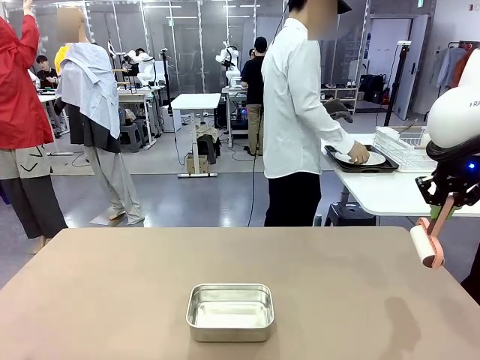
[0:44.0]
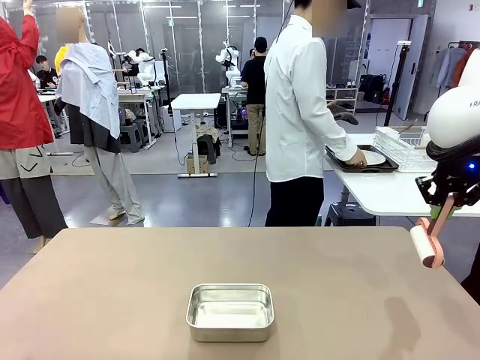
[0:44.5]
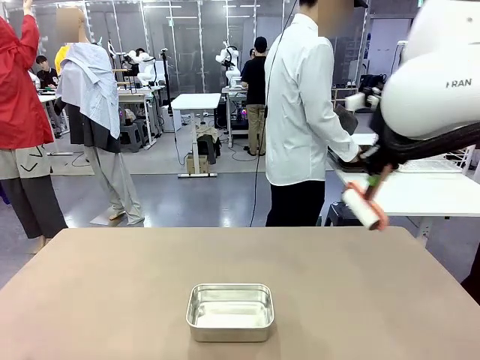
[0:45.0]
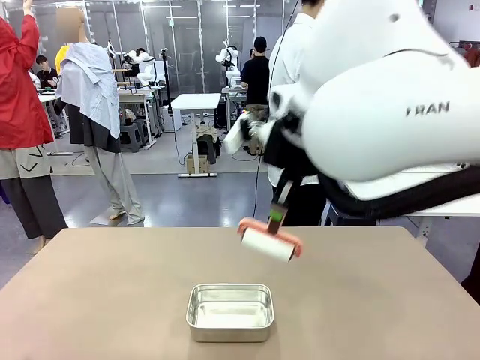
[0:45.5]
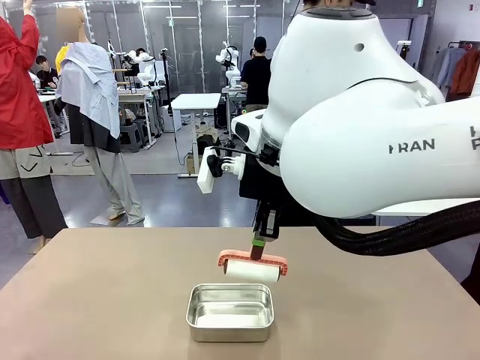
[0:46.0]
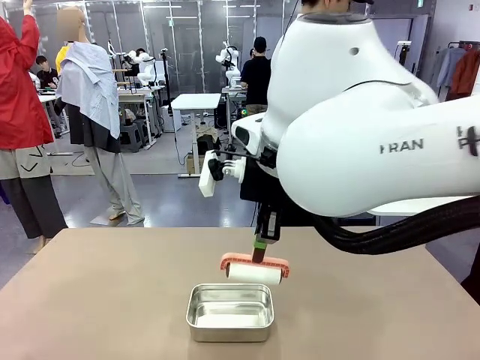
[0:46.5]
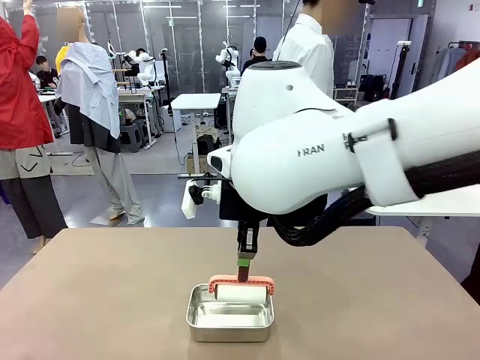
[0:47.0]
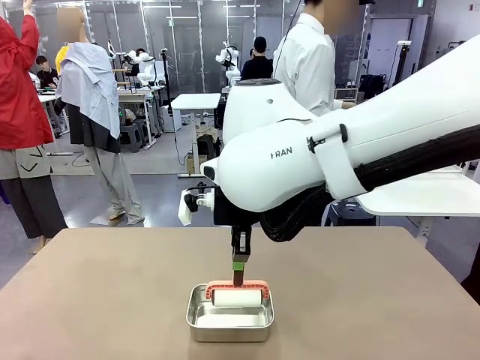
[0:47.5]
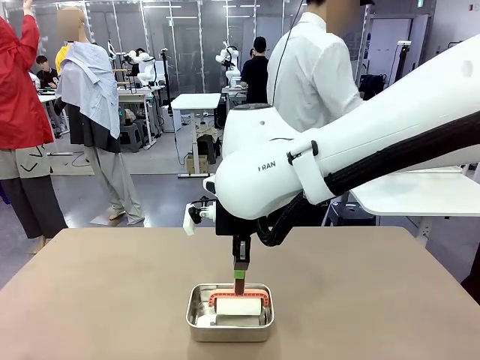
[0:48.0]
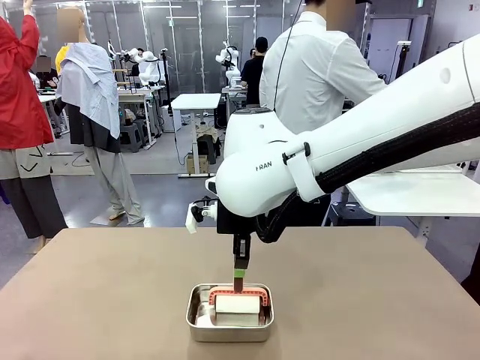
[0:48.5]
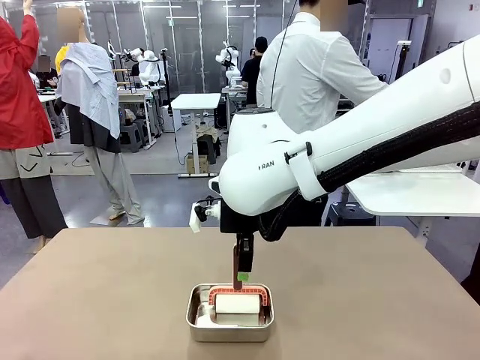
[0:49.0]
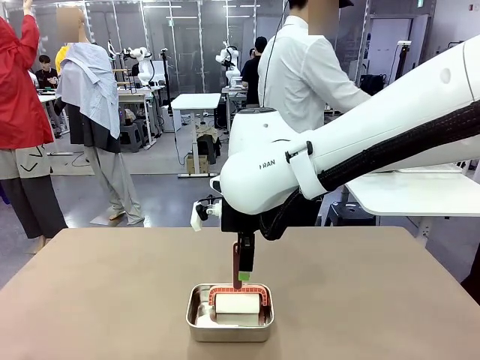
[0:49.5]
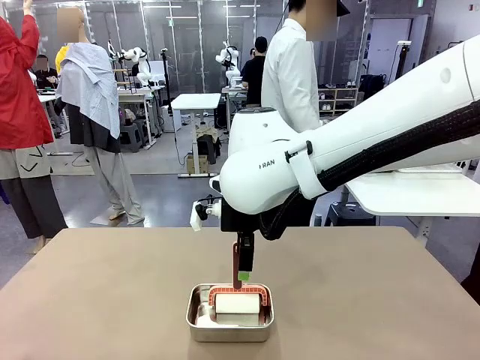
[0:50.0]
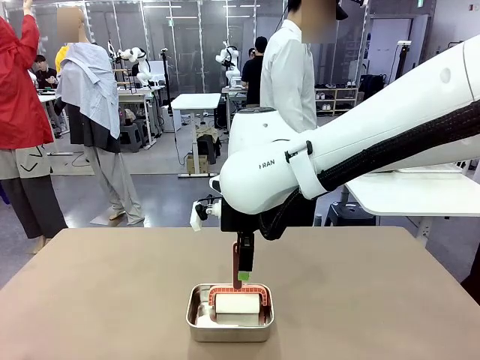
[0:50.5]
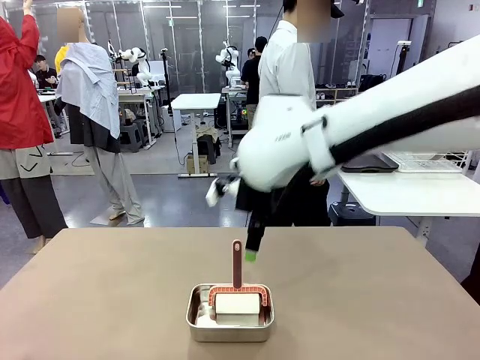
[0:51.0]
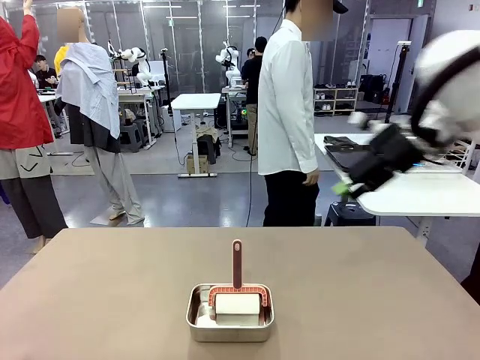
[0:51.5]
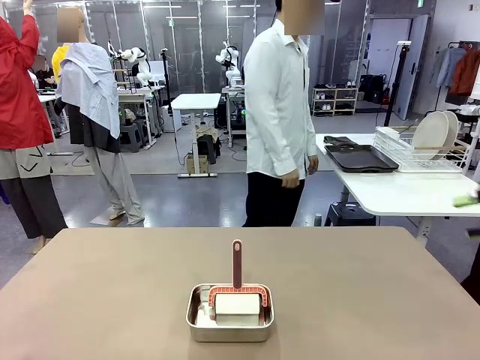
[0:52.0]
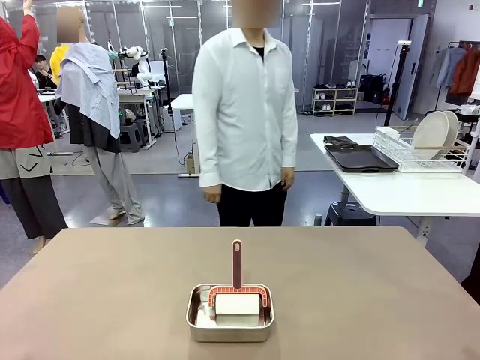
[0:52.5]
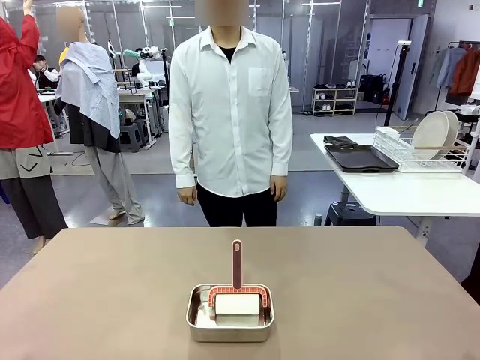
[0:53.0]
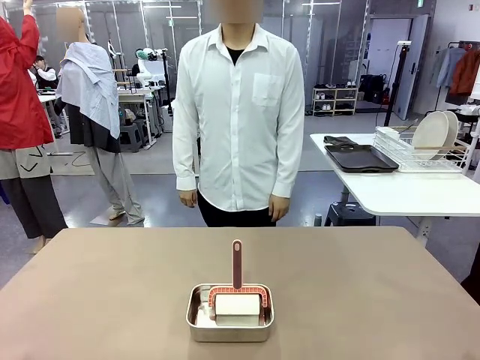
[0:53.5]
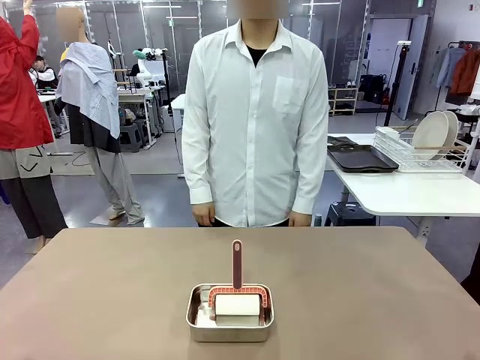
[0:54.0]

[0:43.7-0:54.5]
Robot: Place the Lint Roller back on top of the Airtight Container.
Person: Use the Towel with hook to wipe the Plastic Matte Plate , Fork , and Knife and place into the Dish drying rack.

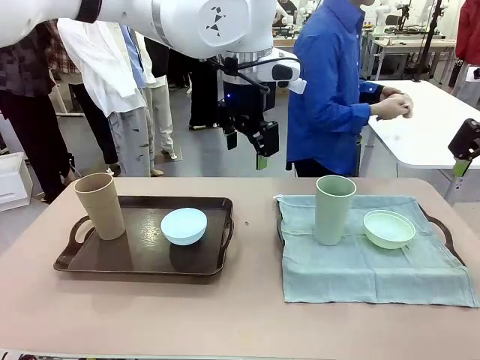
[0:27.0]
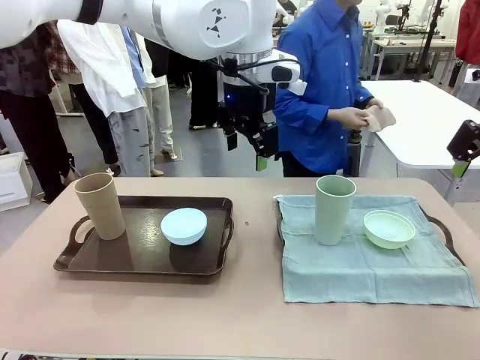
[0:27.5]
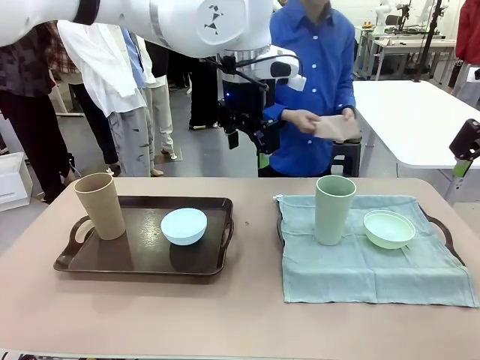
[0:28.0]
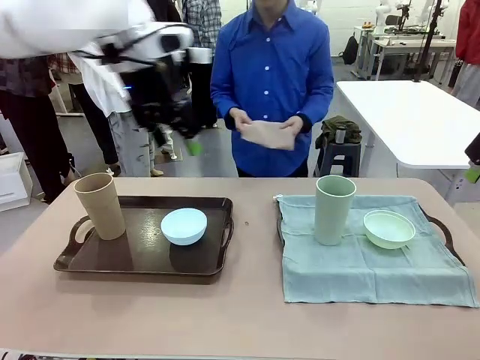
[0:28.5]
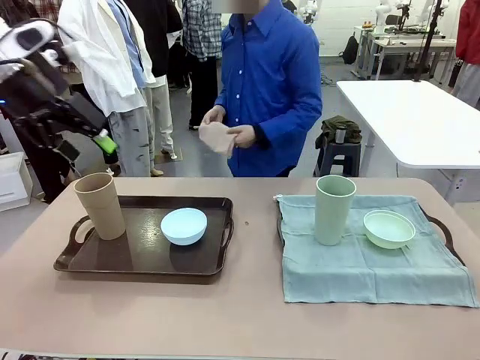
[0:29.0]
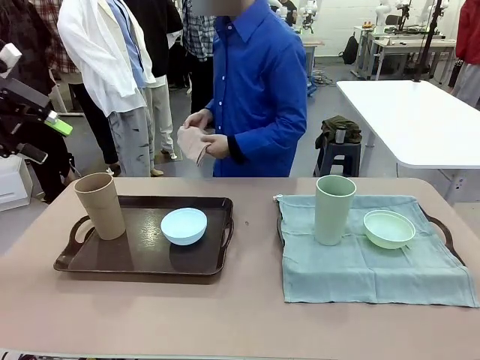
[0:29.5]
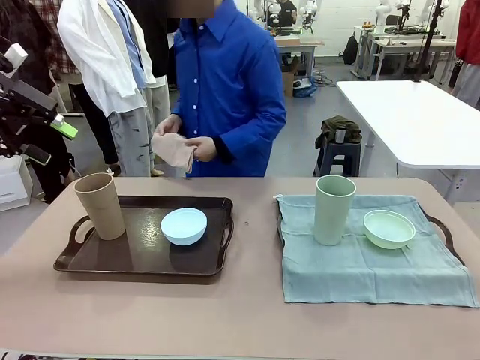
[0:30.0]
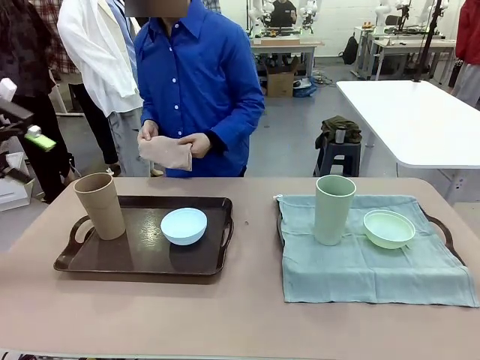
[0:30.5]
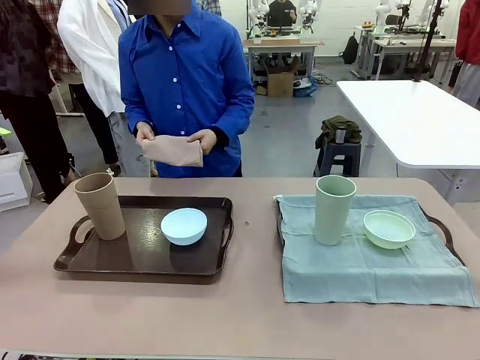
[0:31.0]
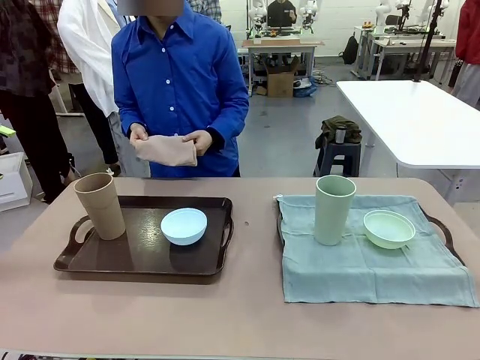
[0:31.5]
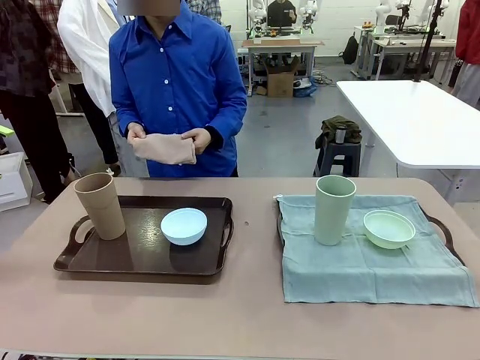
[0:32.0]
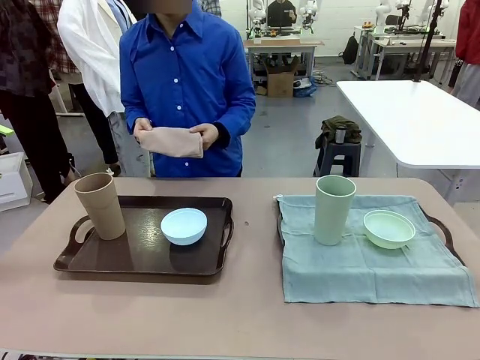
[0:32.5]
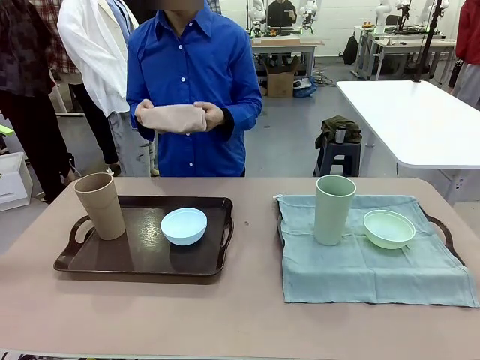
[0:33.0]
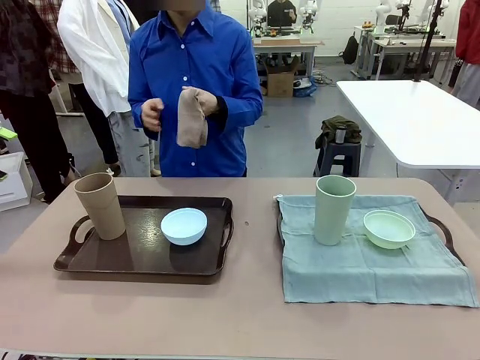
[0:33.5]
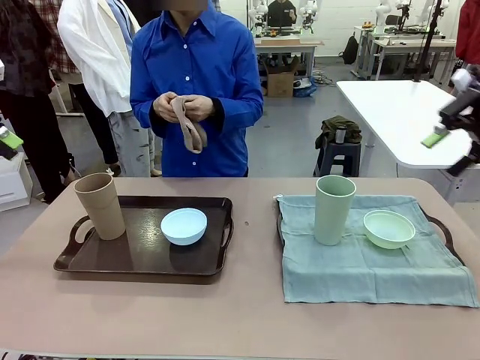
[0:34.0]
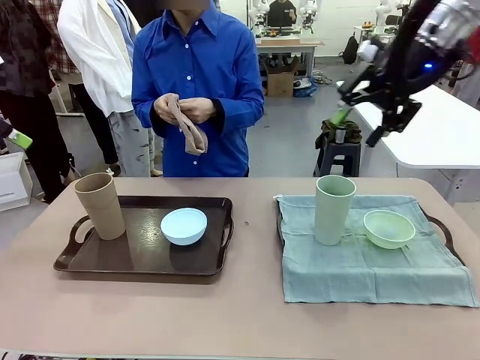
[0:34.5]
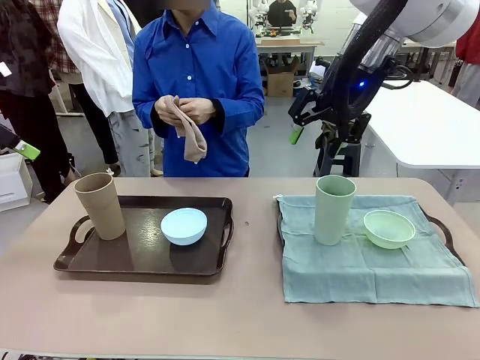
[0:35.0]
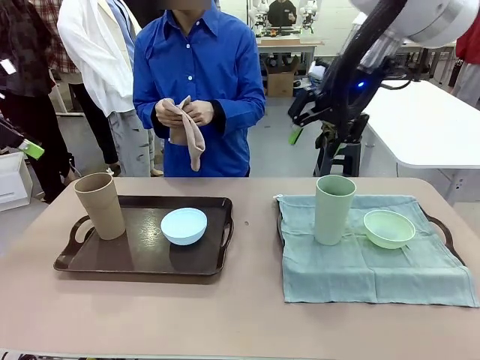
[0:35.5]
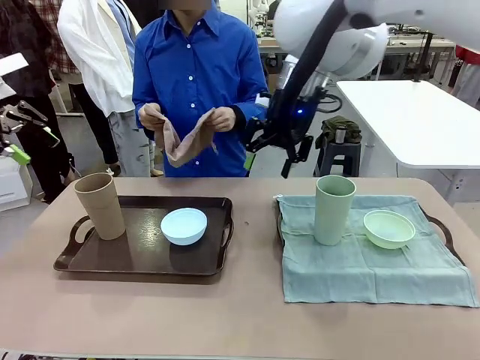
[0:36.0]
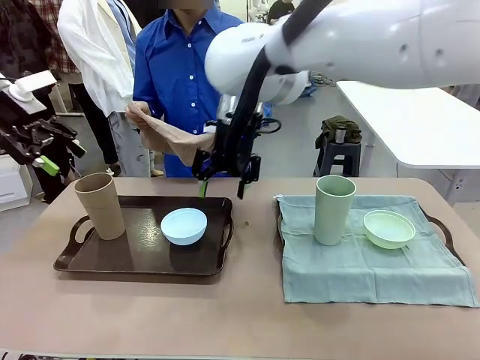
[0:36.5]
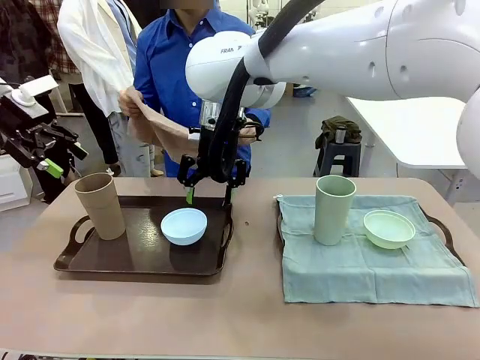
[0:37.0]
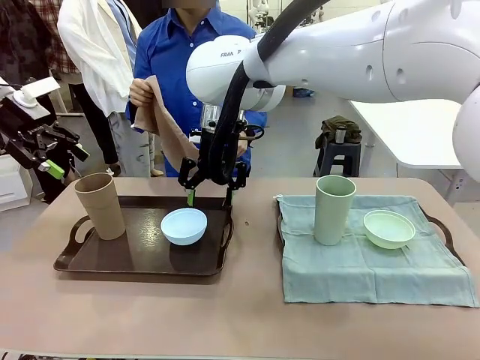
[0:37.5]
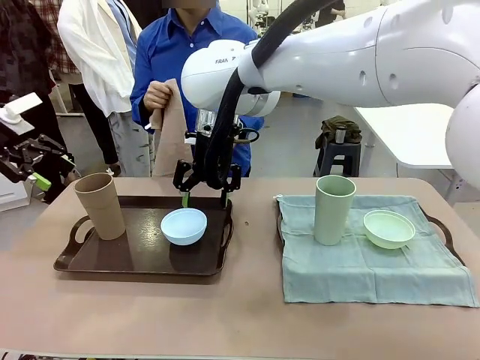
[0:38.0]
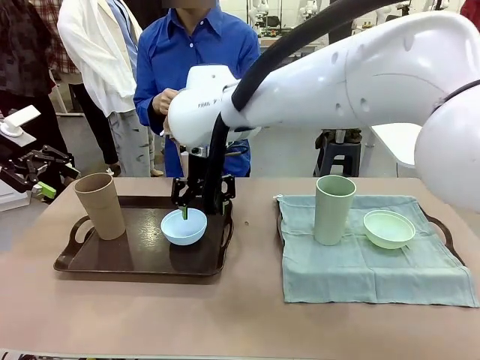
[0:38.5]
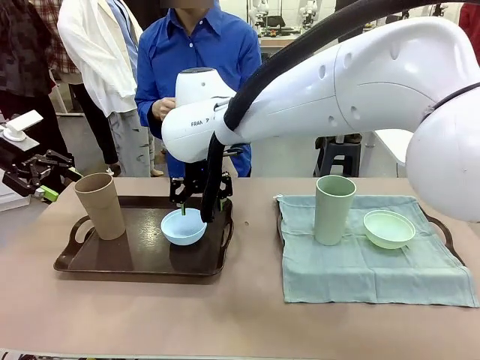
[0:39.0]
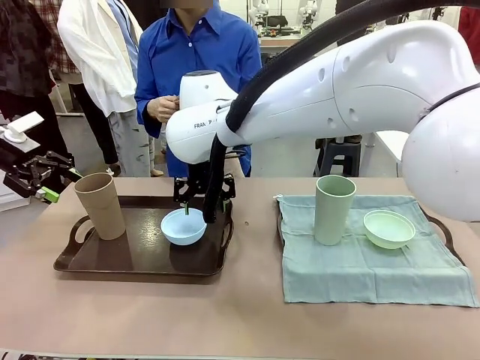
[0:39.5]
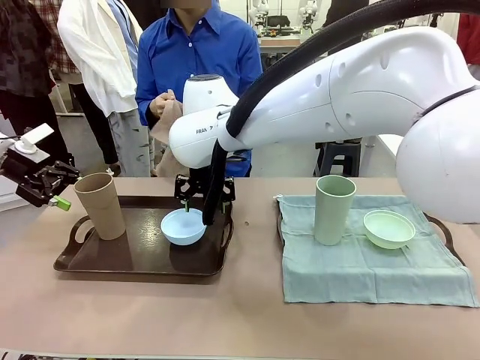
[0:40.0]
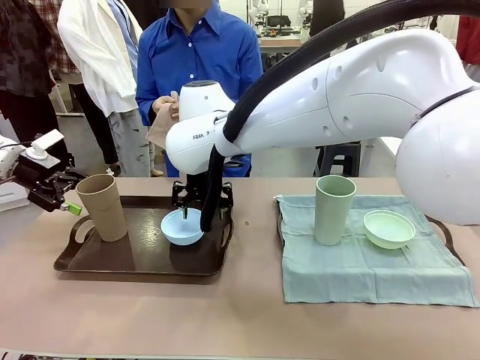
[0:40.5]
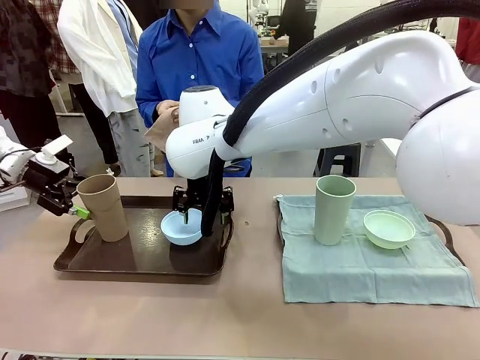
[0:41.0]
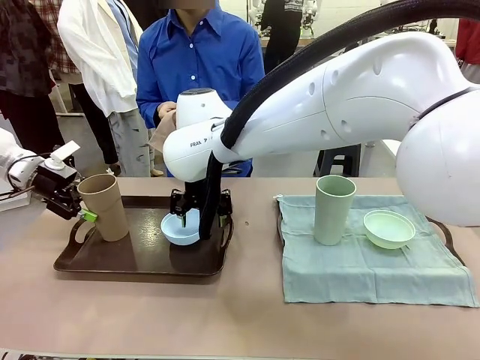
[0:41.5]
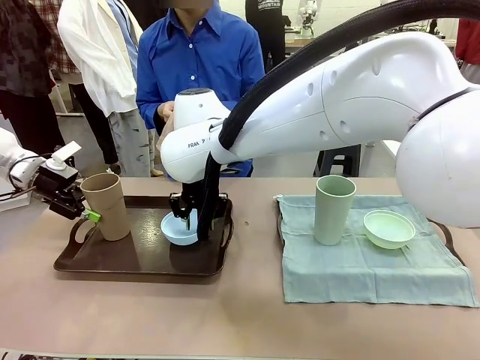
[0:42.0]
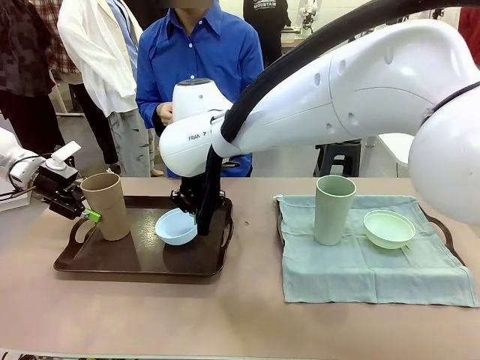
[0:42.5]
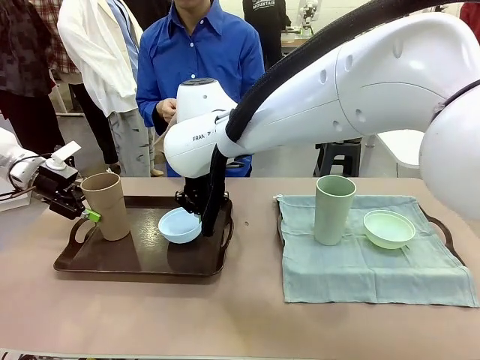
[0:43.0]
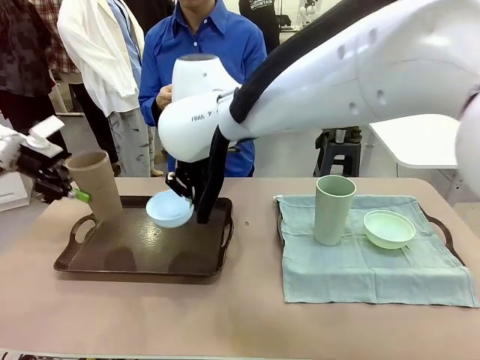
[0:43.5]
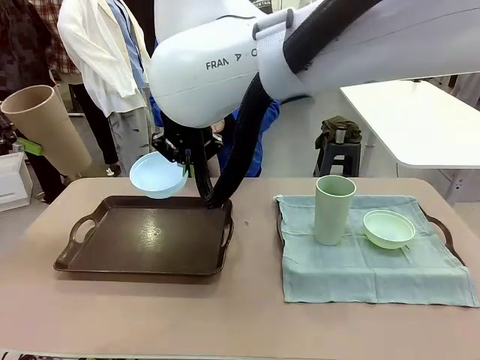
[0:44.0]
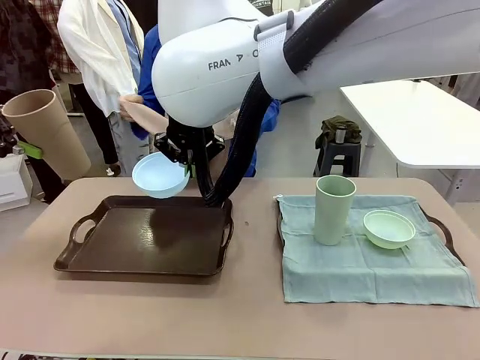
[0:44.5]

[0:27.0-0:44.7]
Robot: Pick up the Picnic Bowl and Reusable plastic cup from the Handle tray in front of the human's position and hold them in the air.
